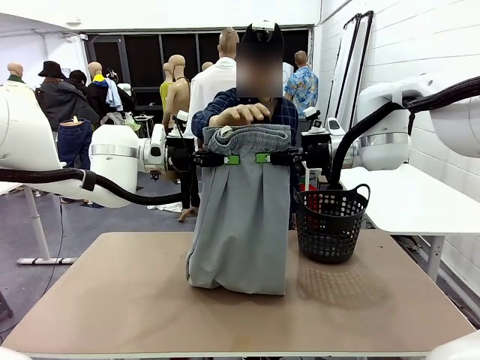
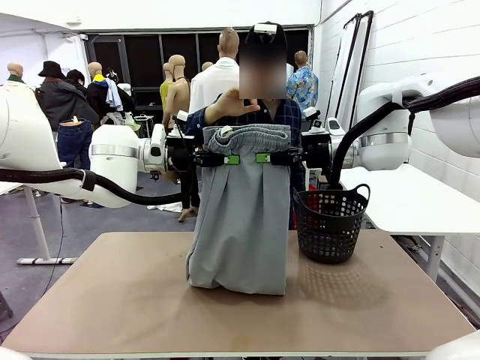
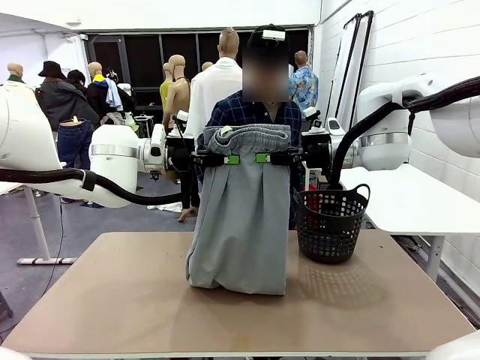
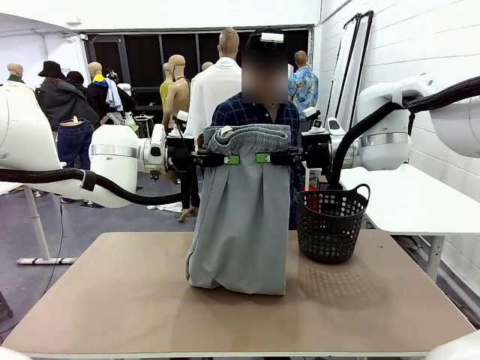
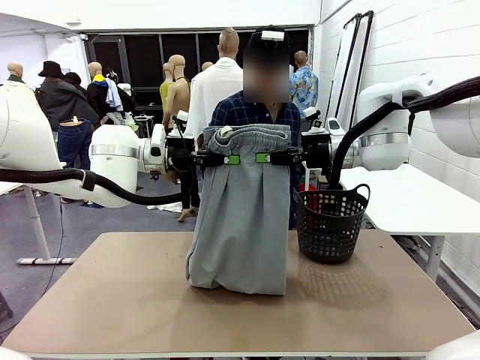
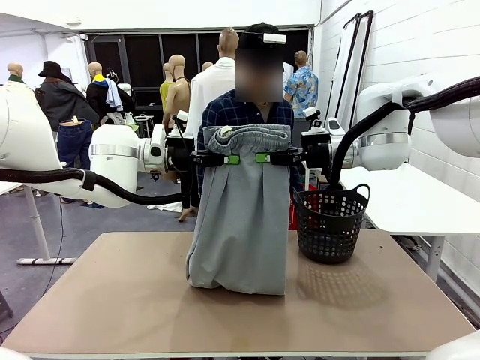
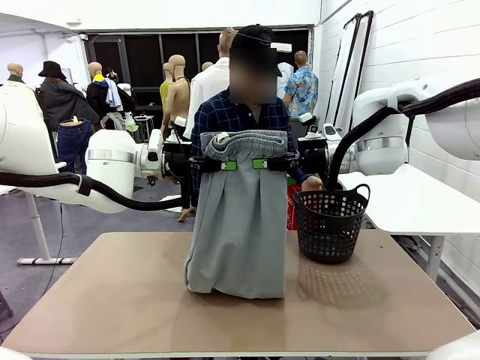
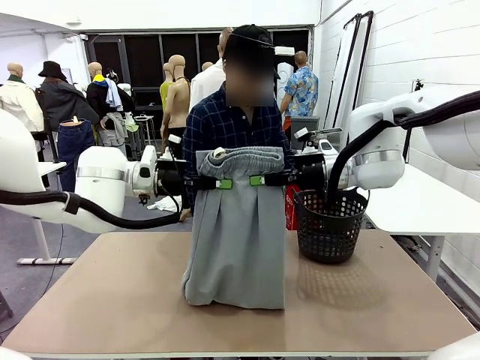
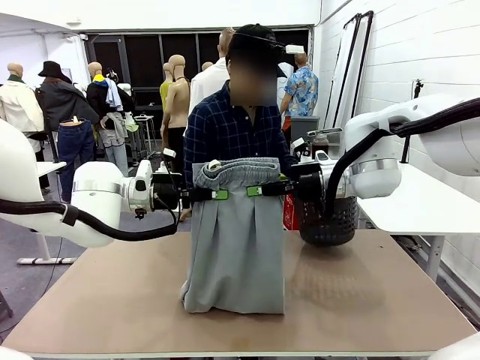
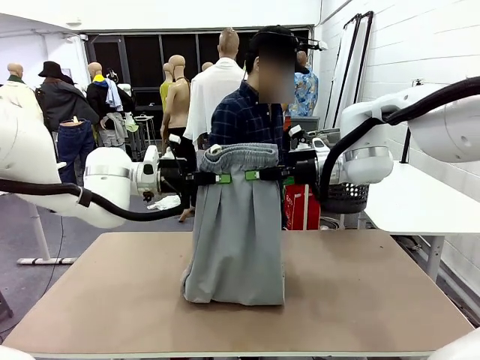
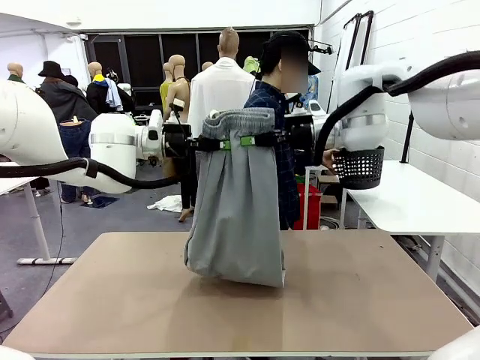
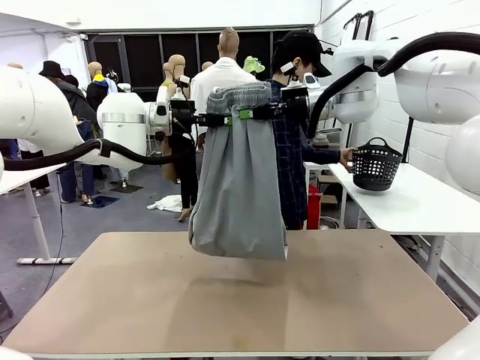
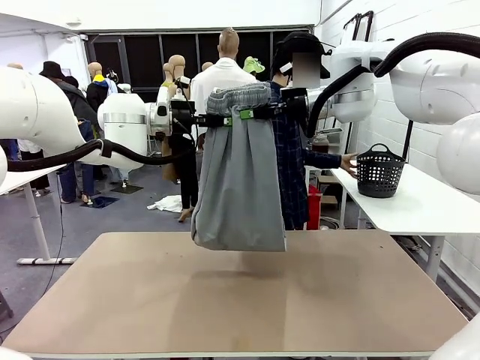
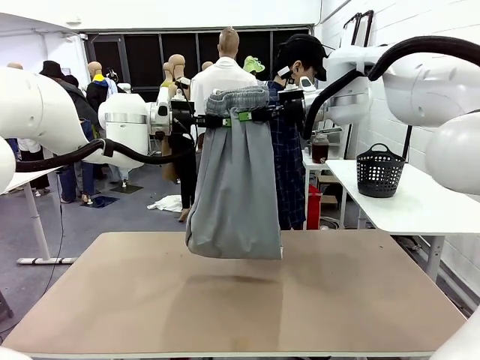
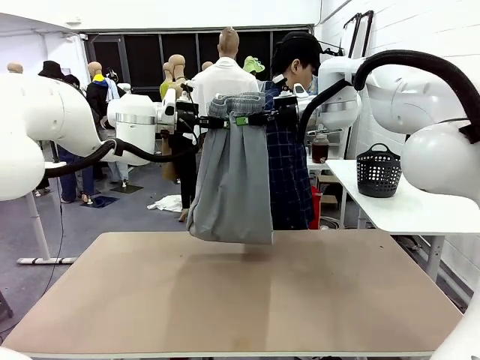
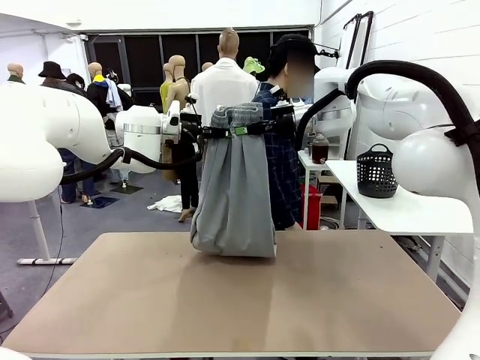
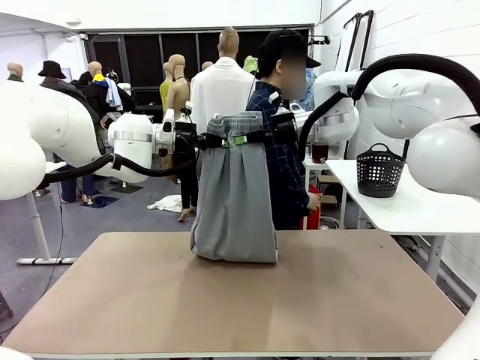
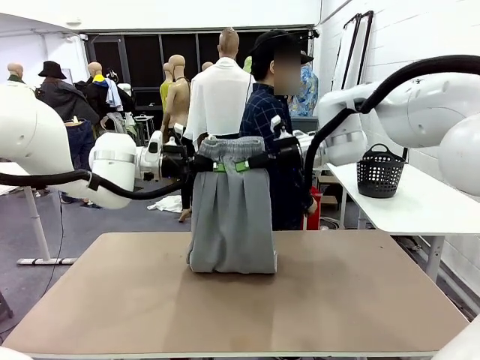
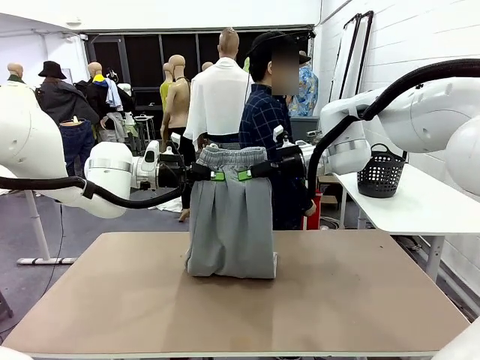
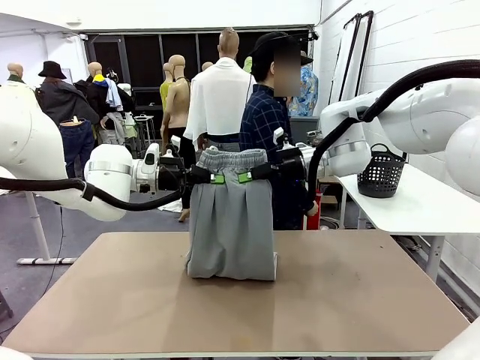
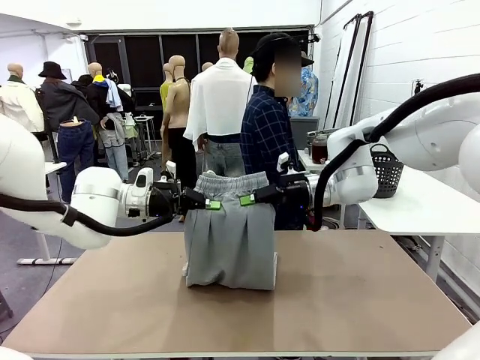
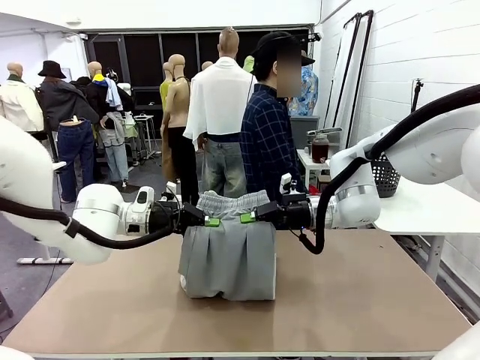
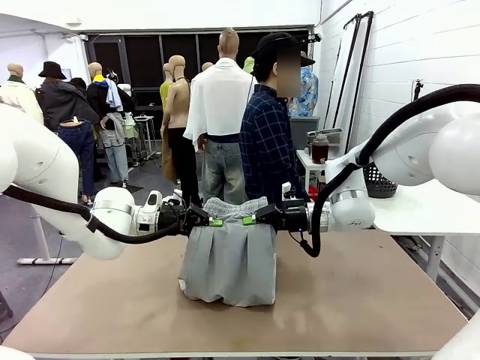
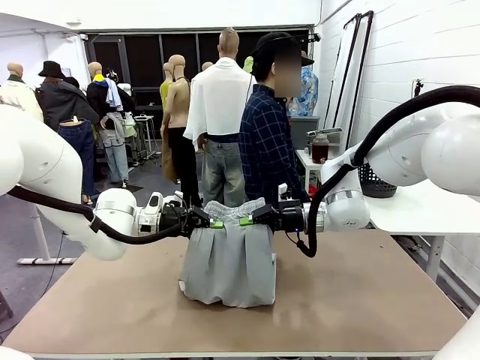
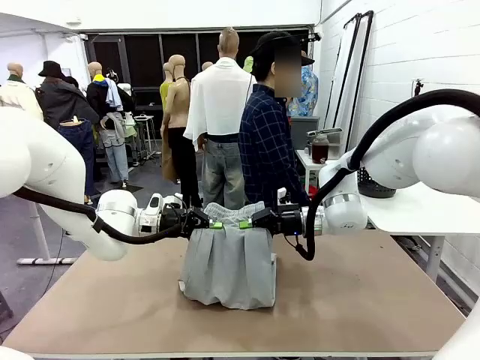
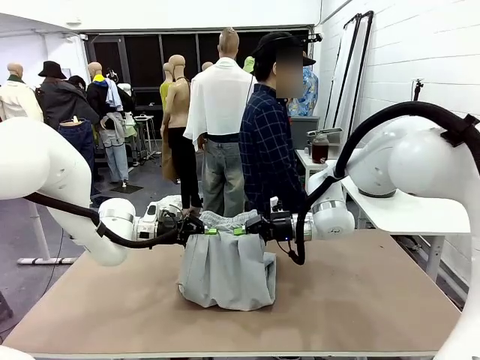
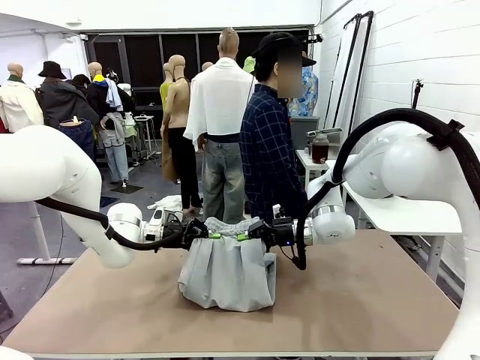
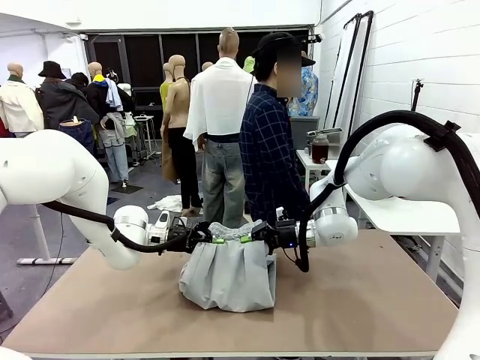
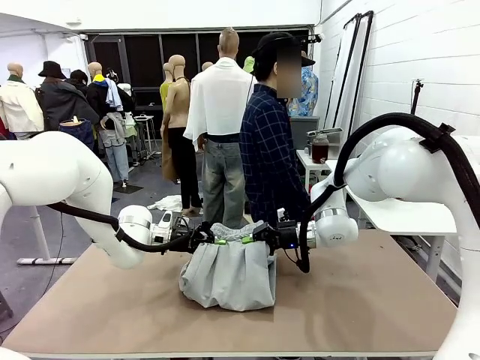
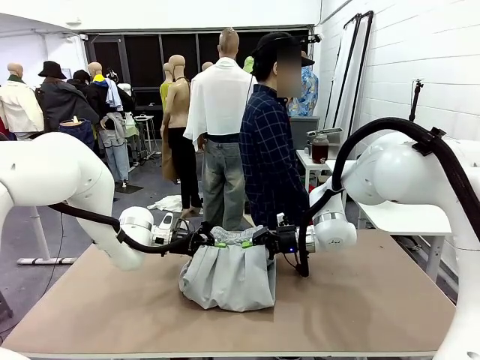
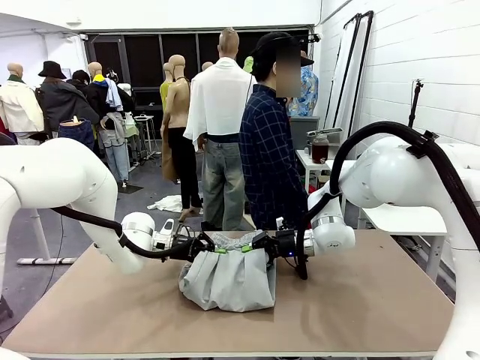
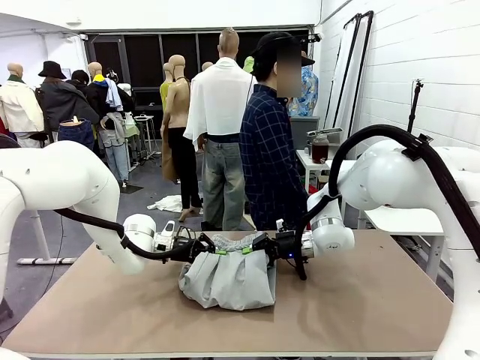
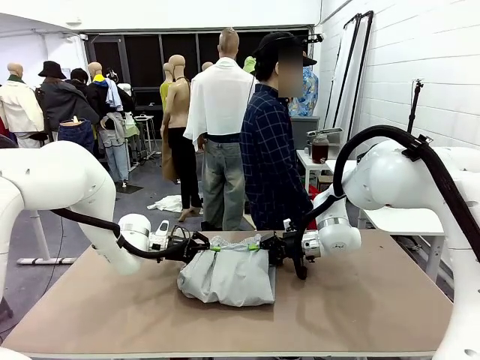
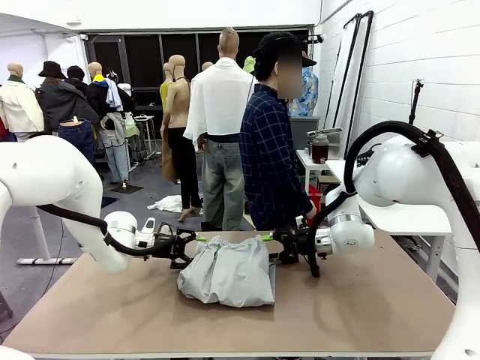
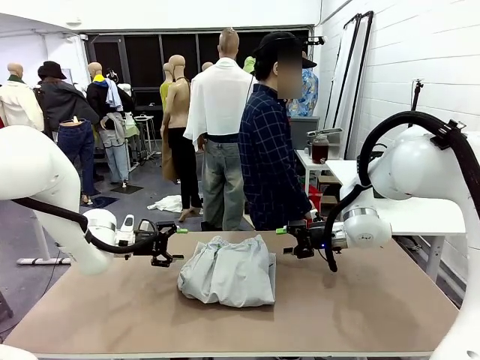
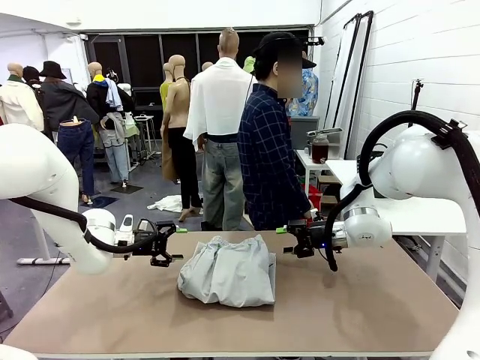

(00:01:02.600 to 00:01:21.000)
Task: Fold the training pants.
Robot: Fold the Training pants in half.
Person: Move the laundry basket to the right of the human table.

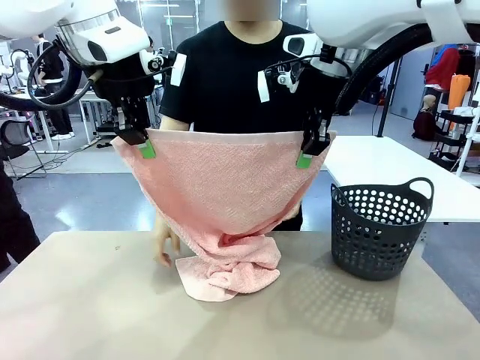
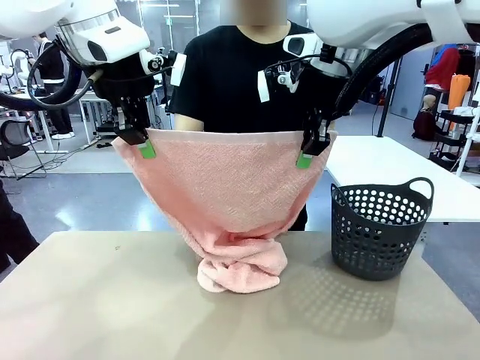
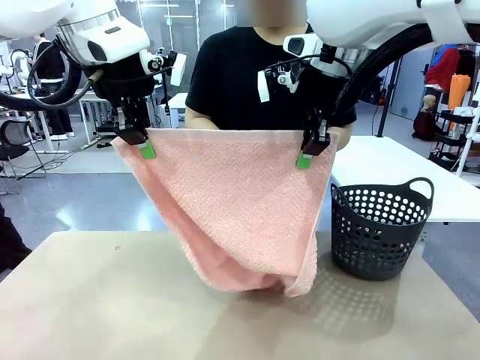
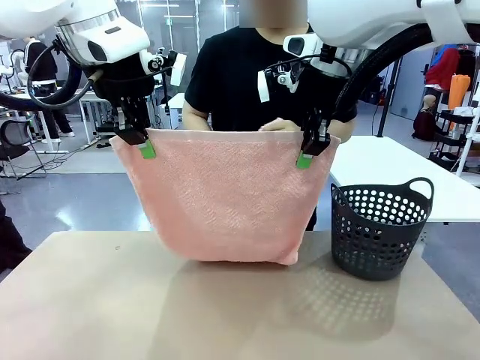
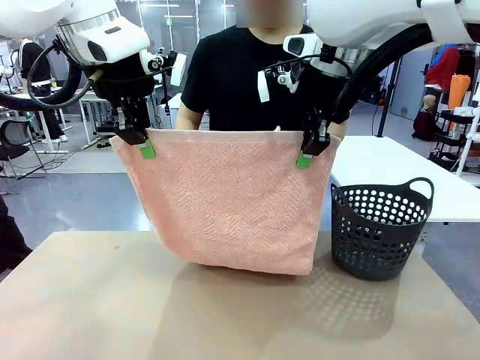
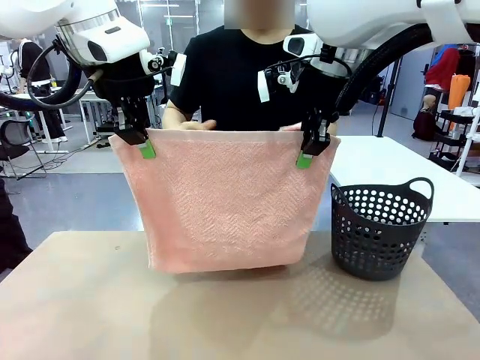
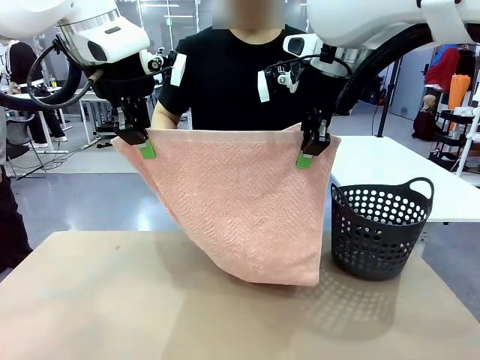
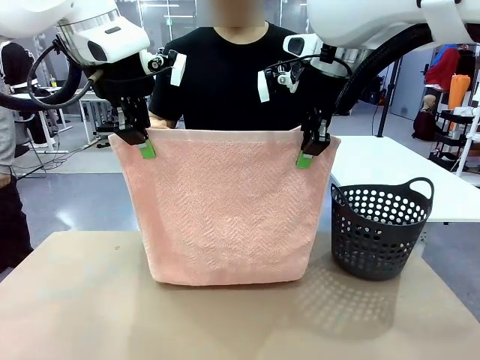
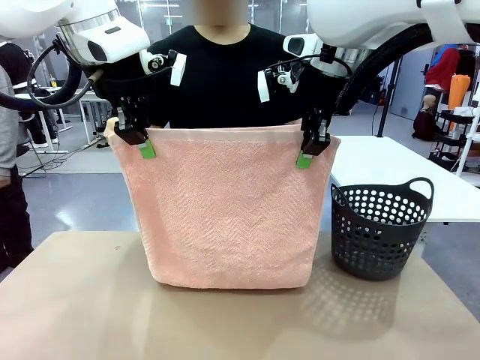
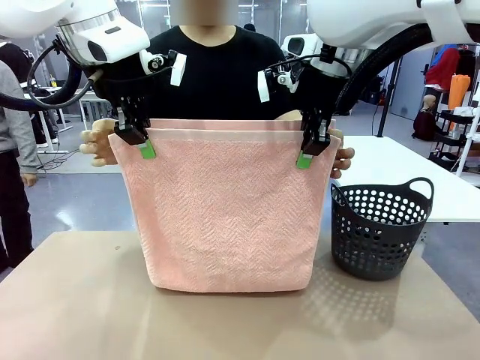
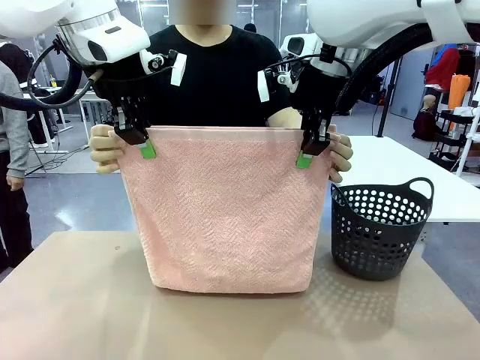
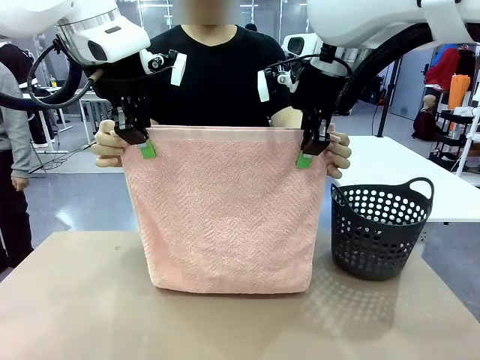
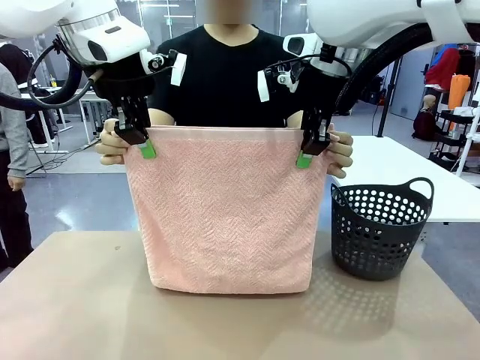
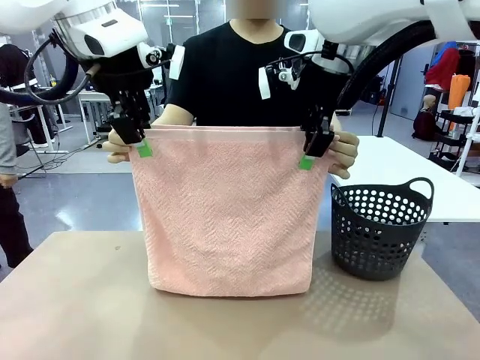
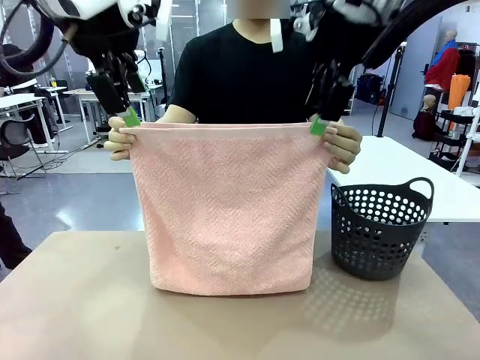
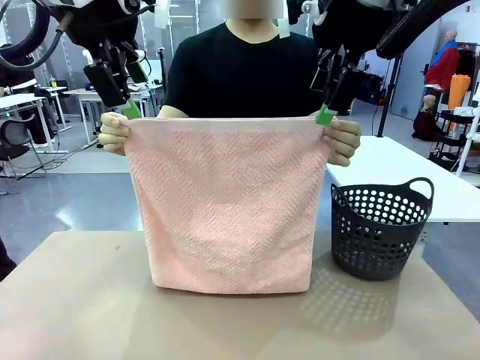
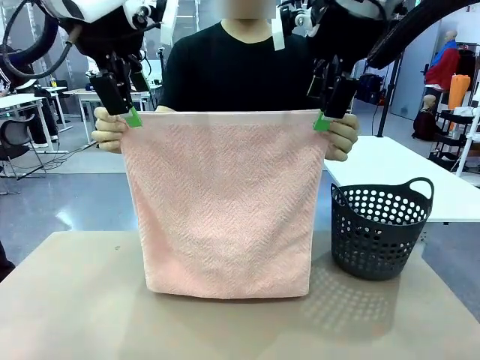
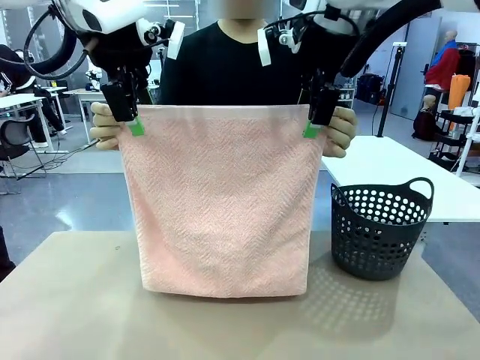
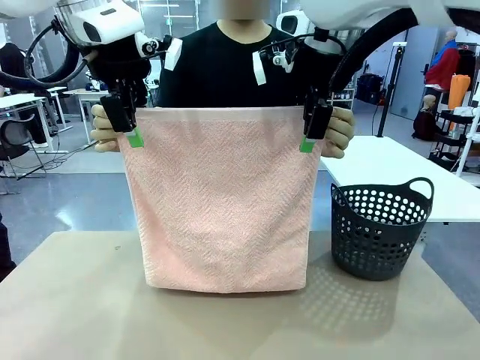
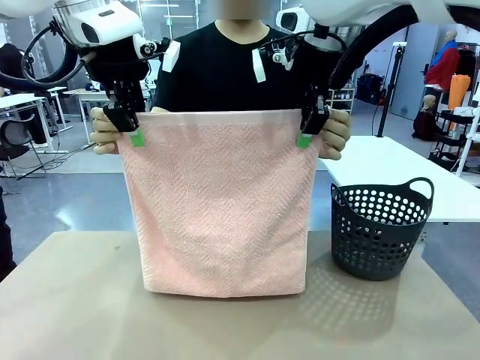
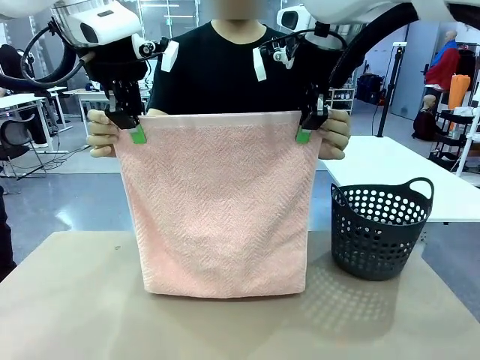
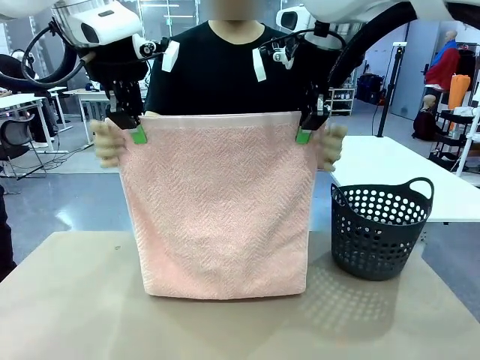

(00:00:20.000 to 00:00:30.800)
Task: Fold the towel.
Robot: Release the end of the 100 cm Hotel Towel you were holding and grab the top end of the folded side.
